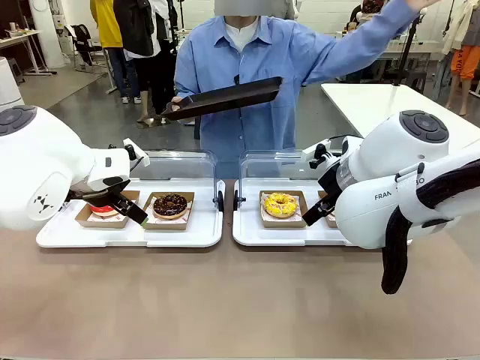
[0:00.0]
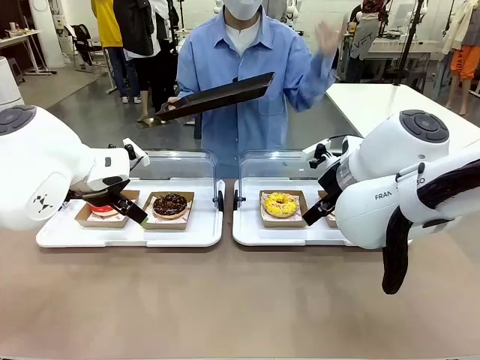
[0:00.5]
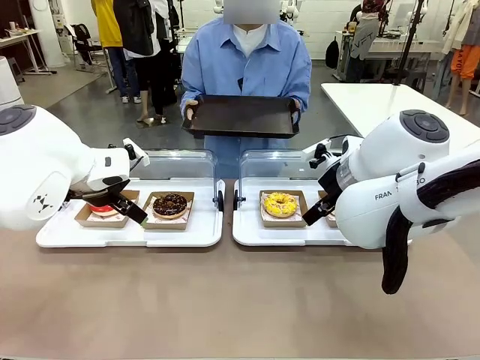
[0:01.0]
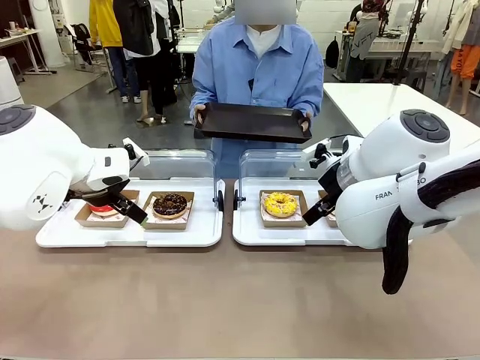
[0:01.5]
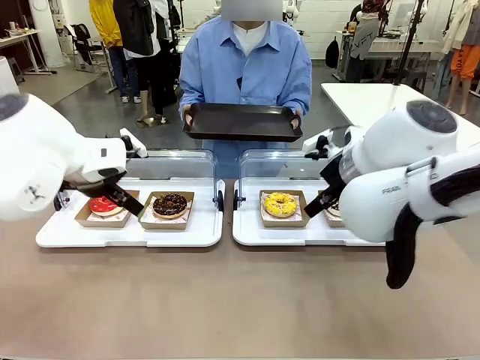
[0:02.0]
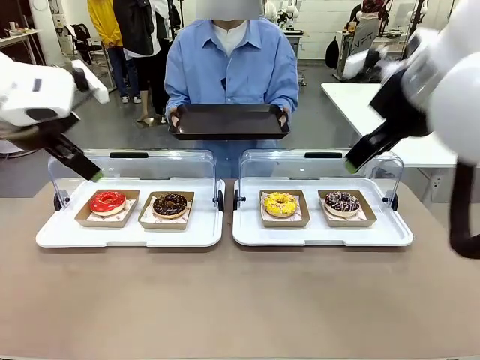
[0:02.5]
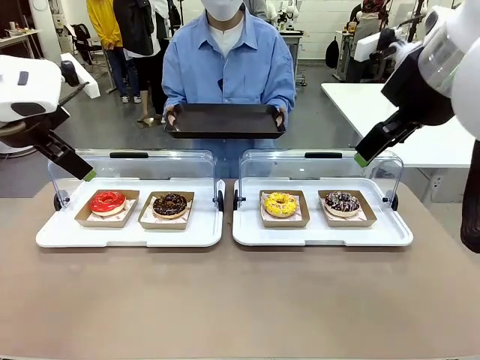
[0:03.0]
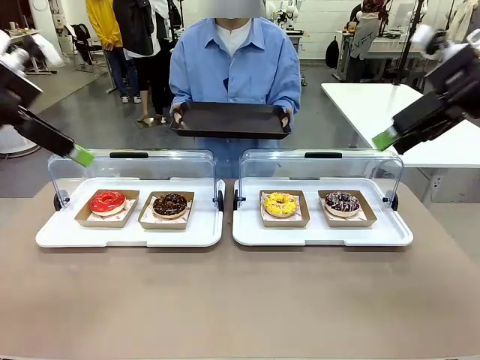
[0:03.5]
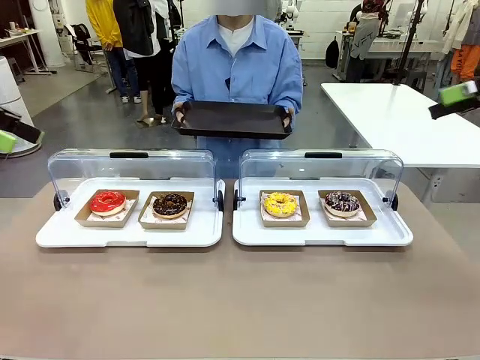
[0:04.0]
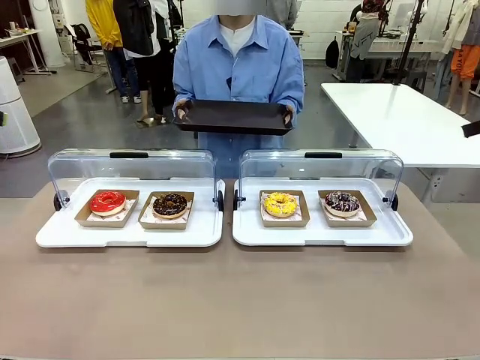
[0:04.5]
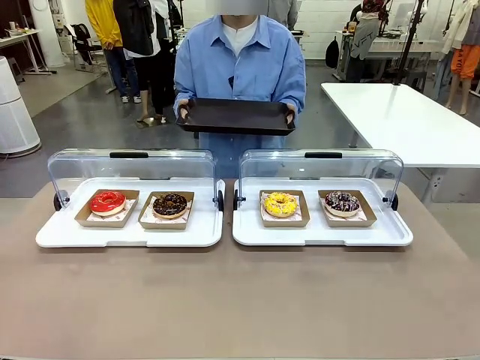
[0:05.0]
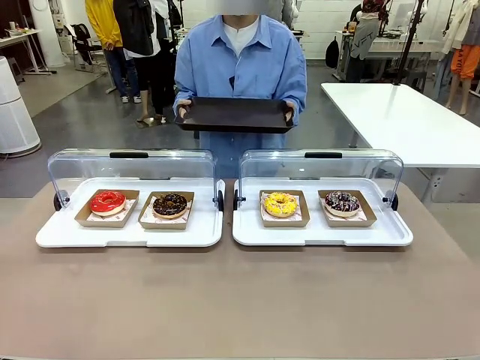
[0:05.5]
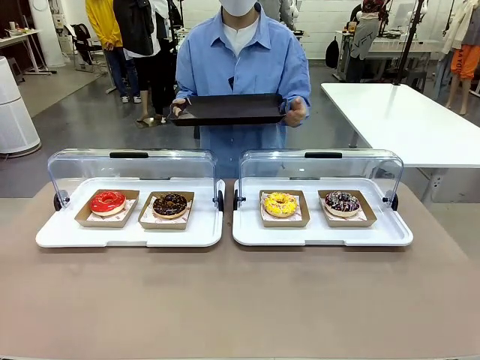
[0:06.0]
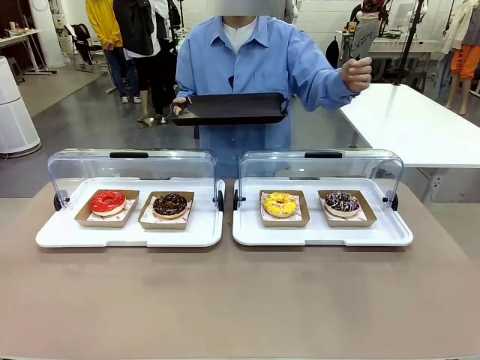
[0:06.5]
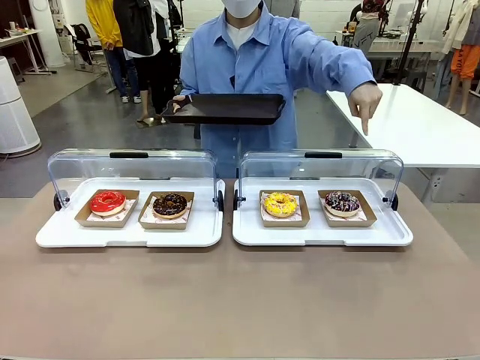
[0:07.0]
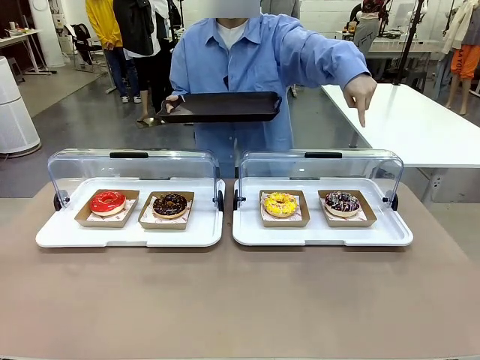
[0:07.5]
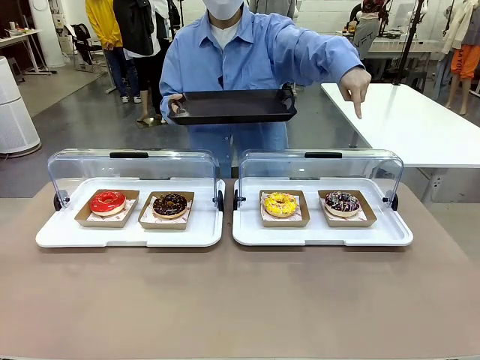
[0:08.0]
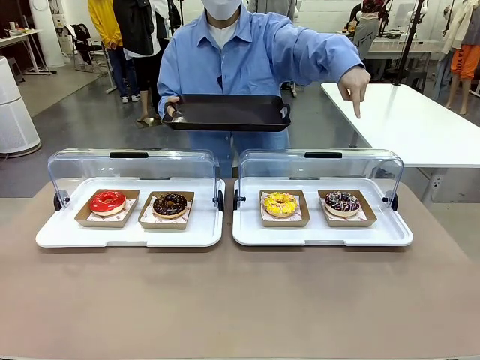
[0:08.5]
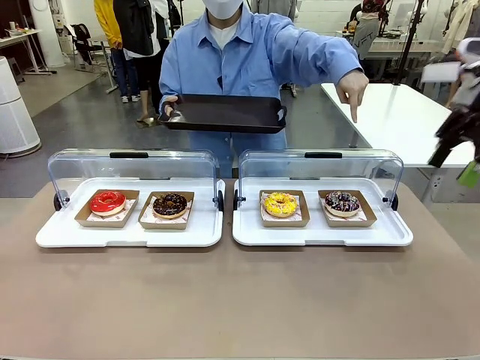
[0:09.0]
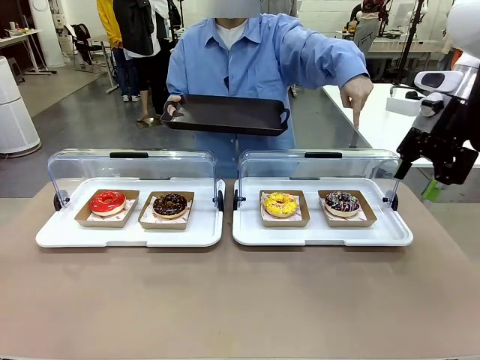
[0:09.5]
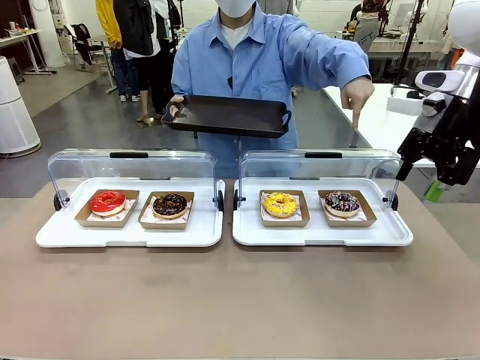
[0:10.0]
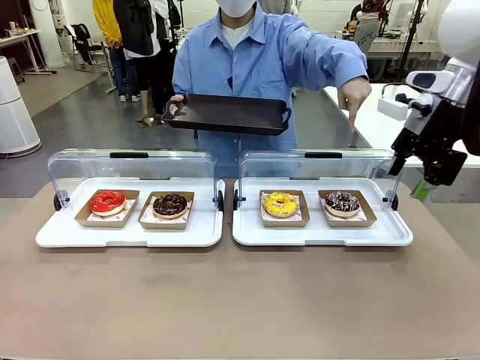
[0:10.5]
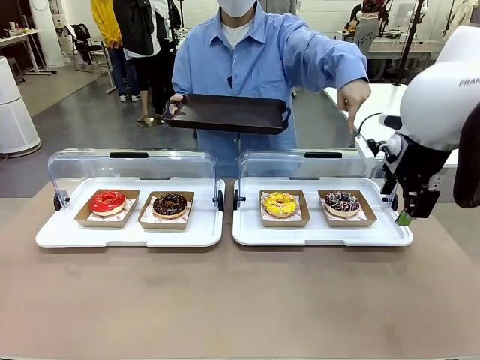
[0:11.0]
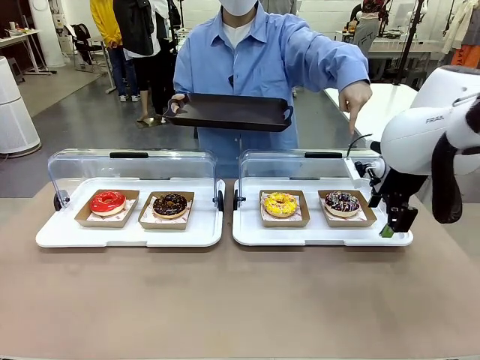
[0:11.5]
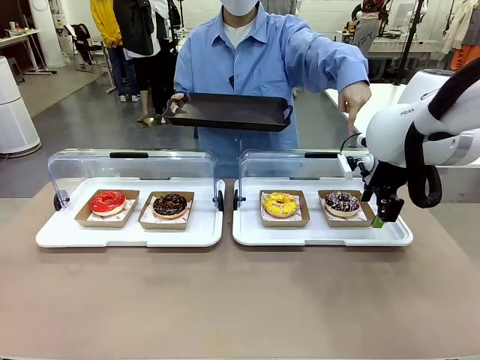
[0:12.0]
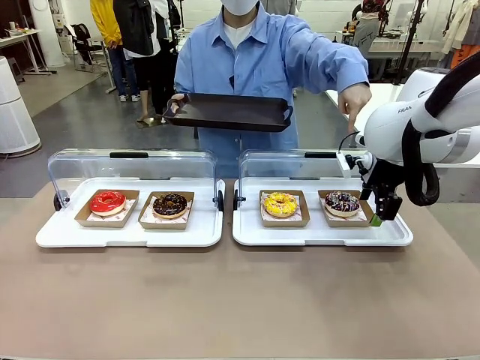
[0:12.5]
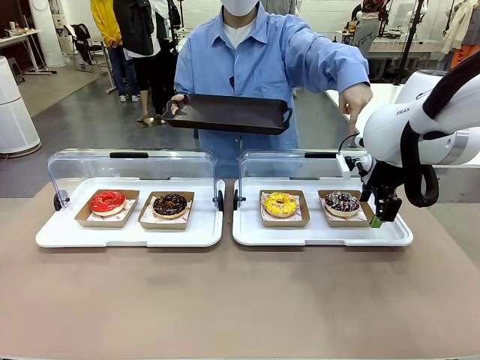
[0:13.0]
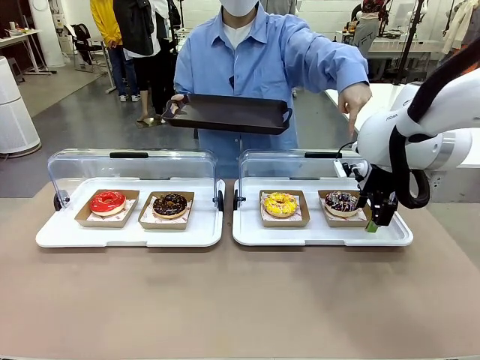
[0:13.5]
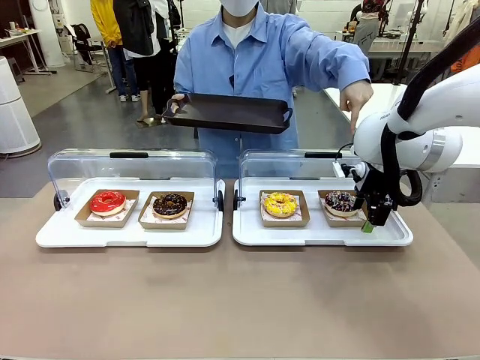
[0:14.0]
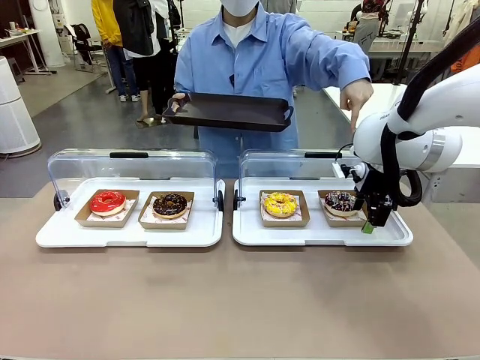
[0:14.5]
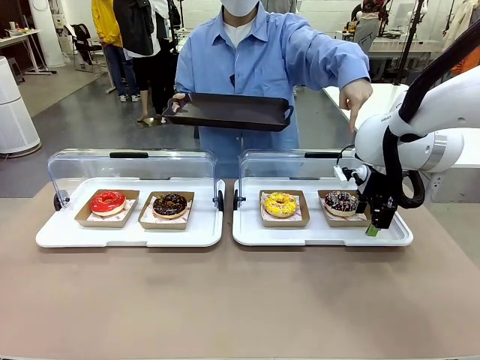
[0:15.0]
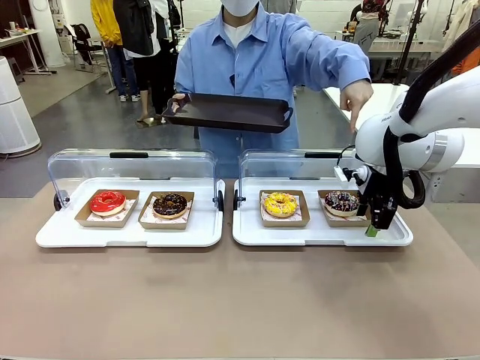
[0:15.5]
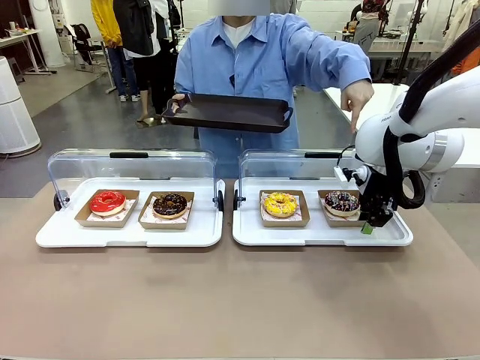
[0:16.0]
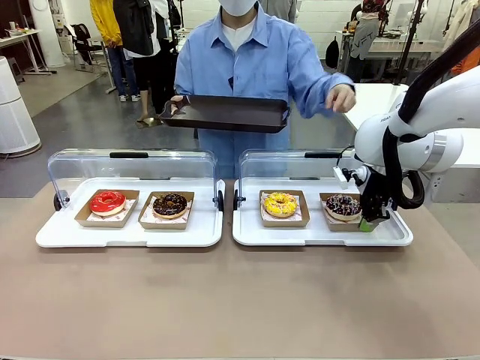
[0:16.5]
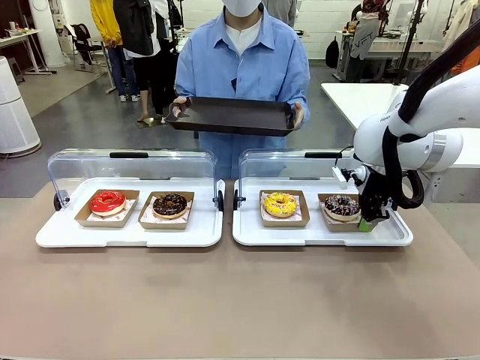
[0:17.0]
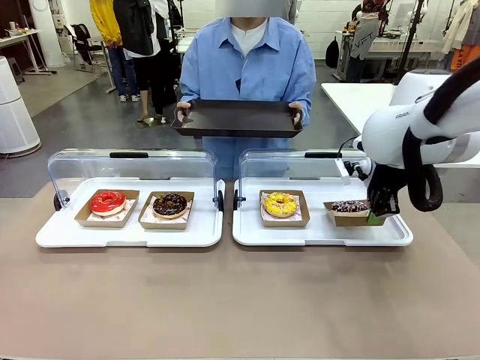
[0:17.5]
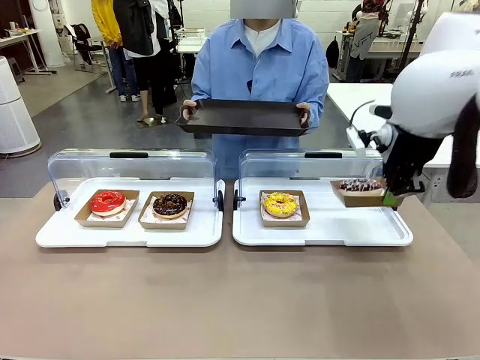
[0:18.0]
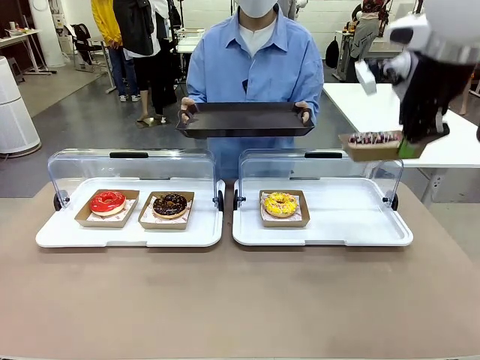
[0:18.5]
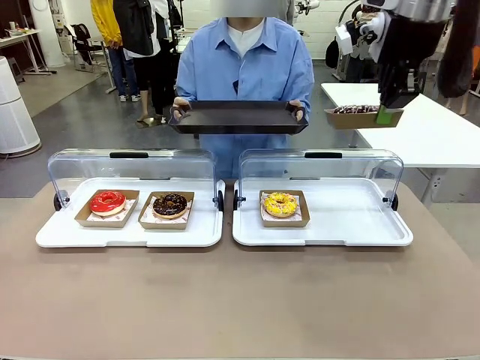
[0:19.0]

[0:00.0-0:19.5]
Task: Provide the desired donut to the person.
Robot: Pick up and lift the Paper togo box containing the Donut pointed at by the person.
Person: Point to one donut. Lift the tray onto the Roll-Top Bakery Case.

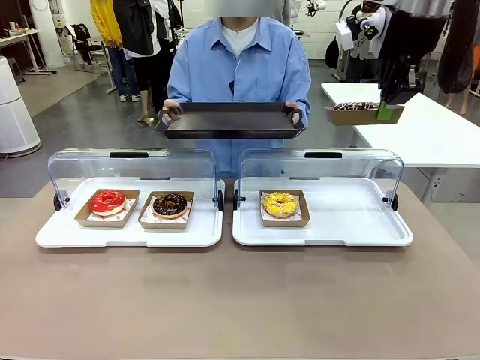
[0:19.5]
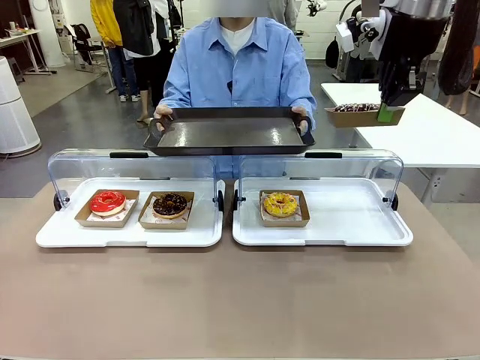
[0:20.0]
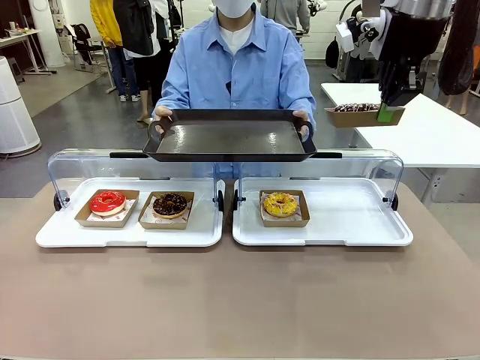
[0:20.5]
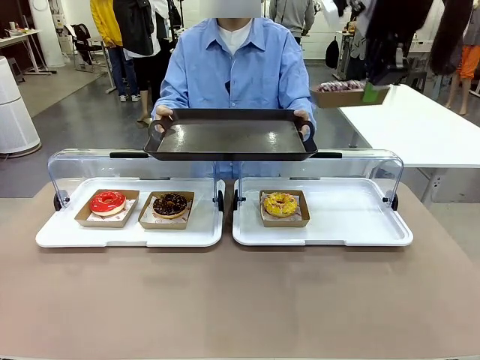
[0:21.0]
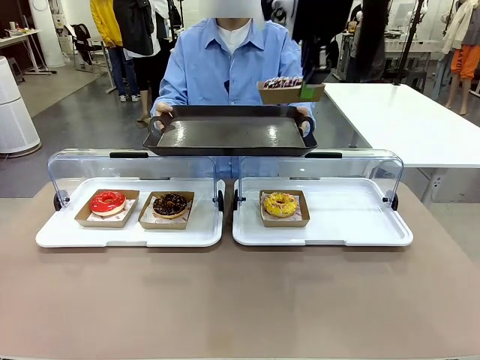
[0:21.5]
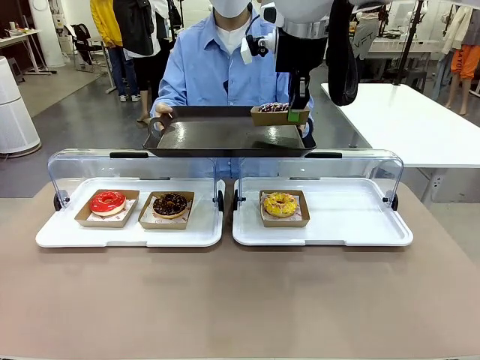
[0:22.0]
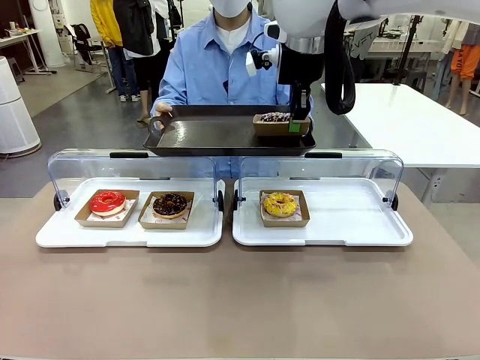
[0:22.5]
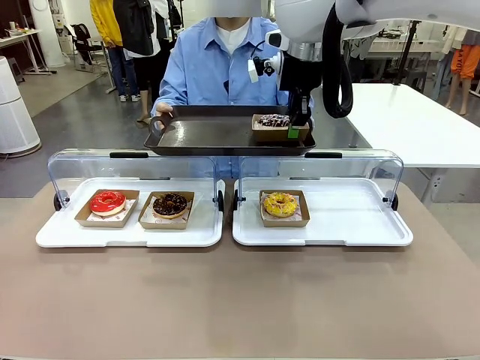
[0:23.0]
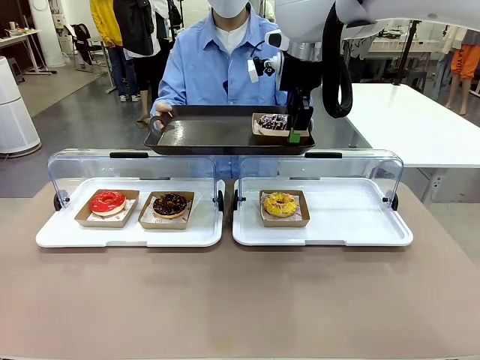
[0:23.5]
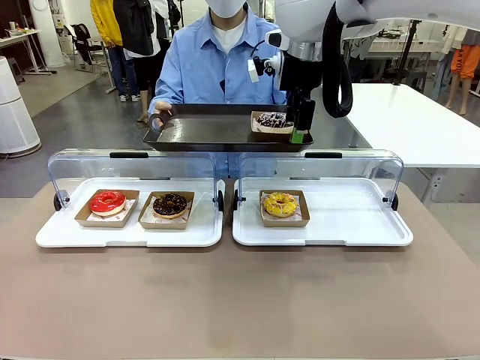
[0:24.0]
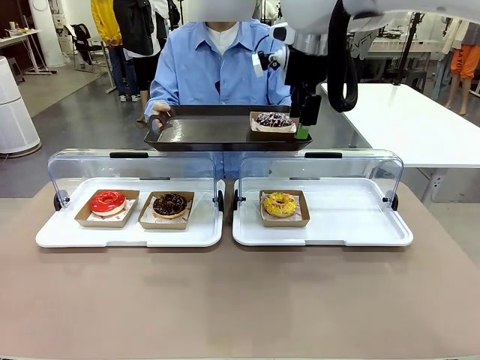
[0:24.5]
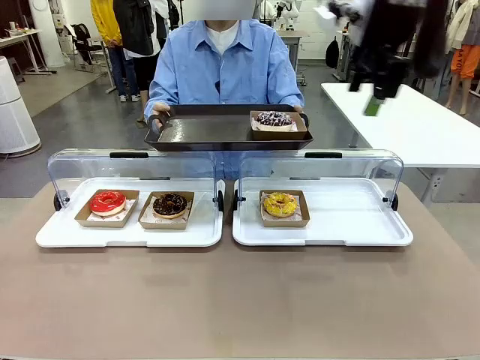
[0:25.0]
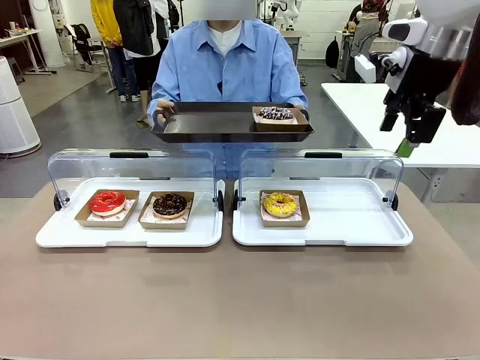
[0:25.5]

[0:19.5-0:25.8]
Robot: Place the picked Paper togo box onto the Handle tray extended by the person.
